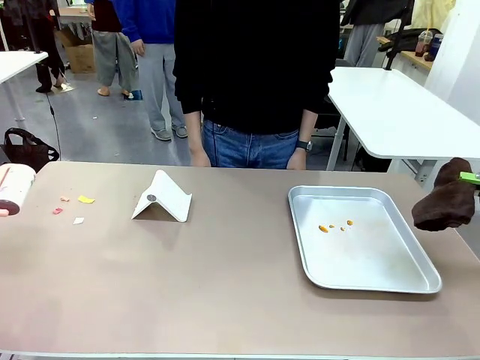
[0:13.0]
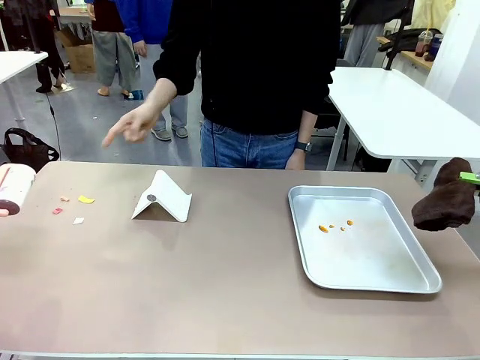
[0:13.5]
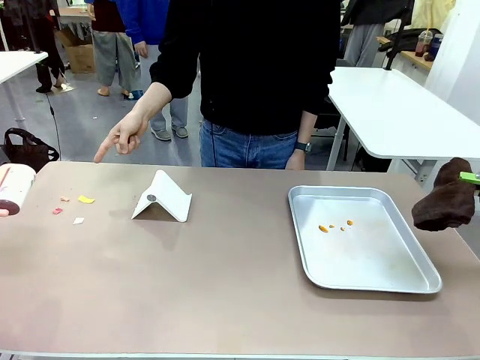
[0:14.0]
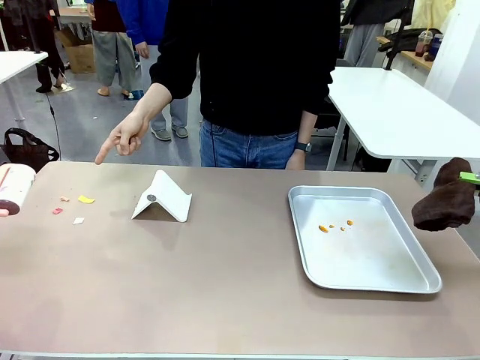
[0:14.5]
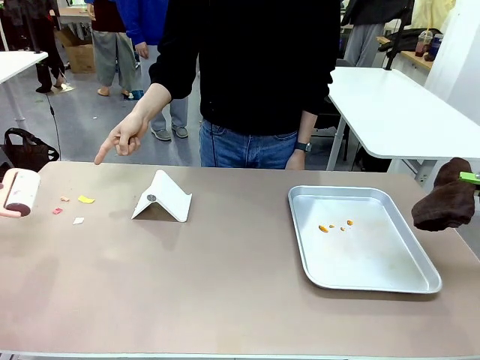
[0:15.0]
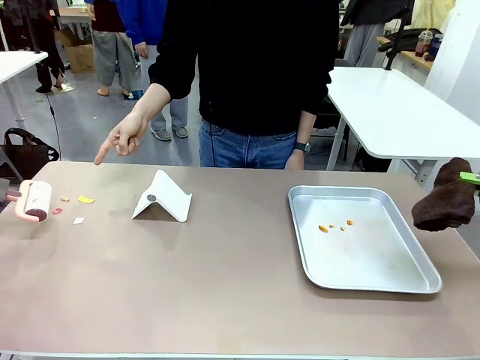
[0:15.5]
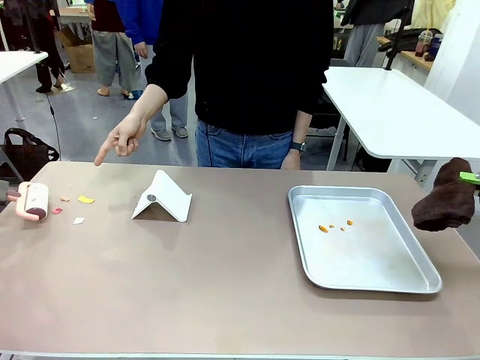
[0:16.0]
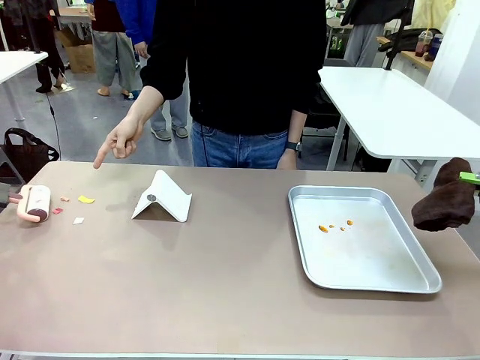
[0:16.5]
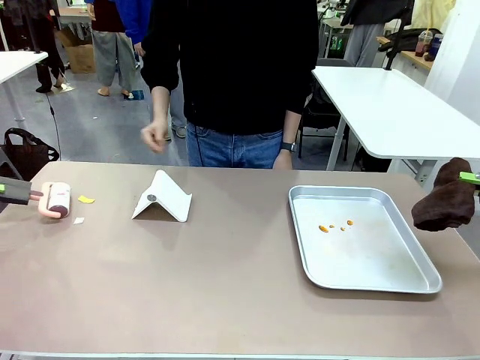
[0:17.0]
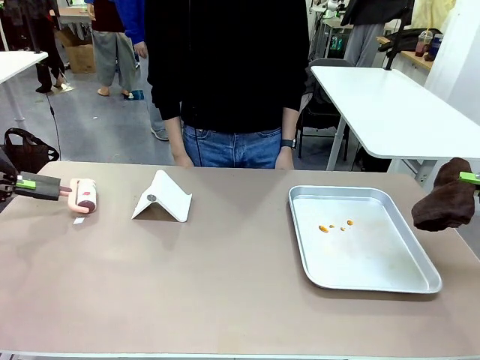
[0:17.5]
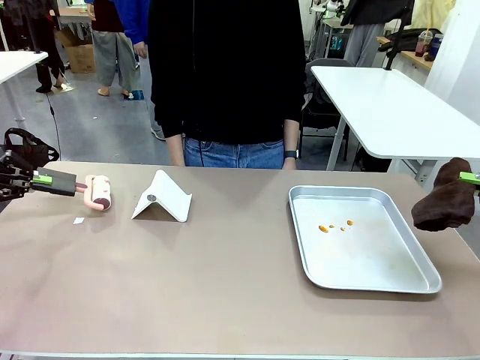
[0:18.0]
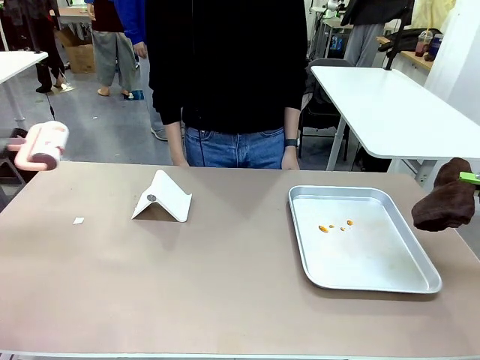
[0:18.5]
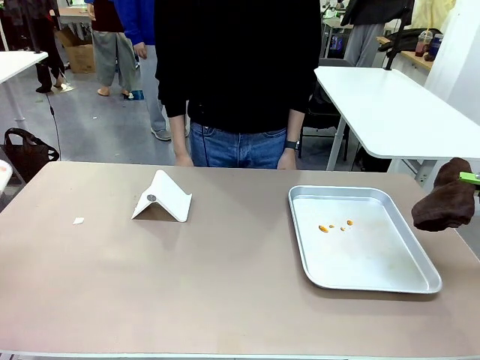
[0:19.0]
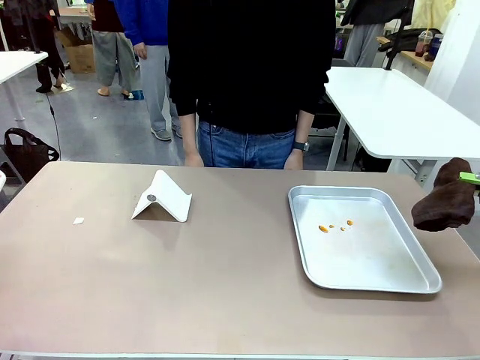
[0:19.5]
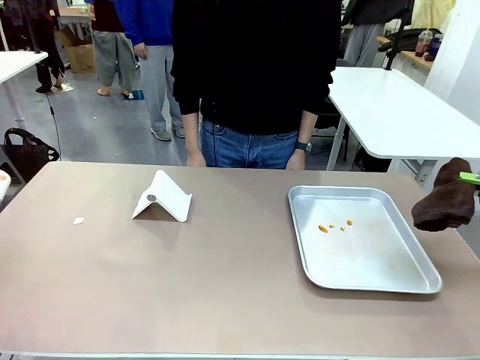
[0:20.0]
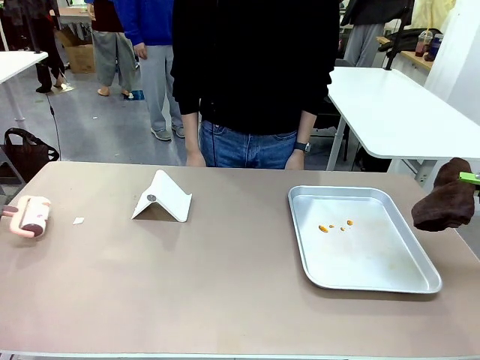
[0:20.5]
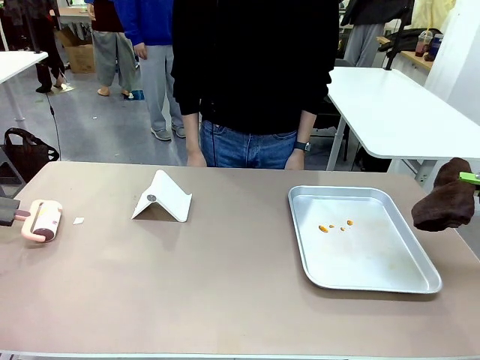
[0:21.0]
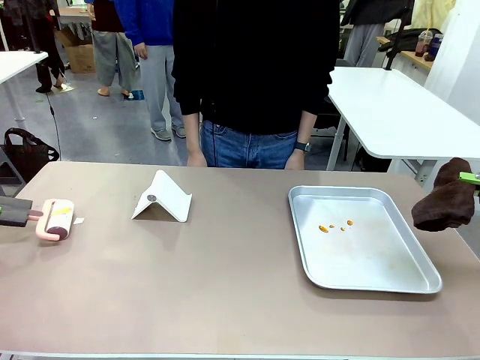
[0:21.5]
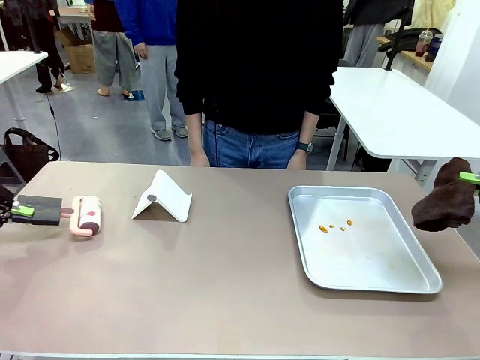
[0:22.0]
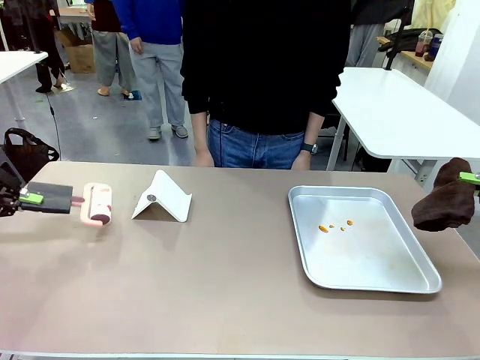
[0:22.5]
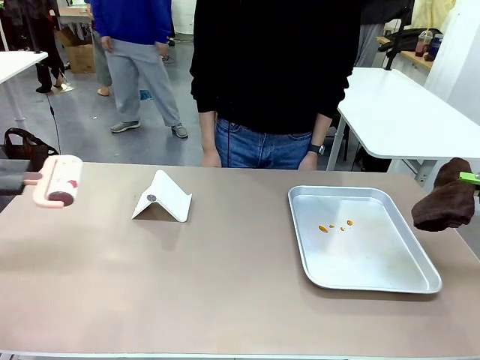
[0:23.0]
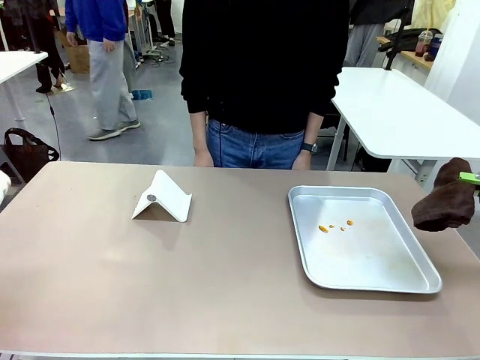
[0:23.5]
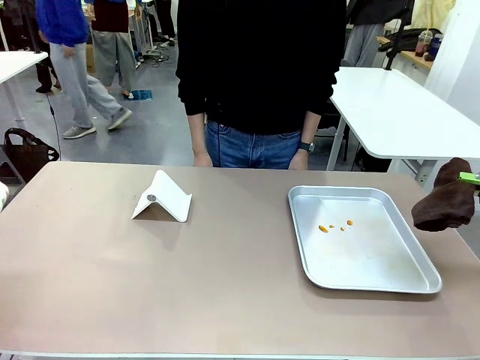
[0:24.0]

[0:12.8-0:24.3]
Task: Clean the surface of the table.
Robot: If a person points to the right, clean the right side of the table with your right hand, and if they point to the left, clean the left side with your left hand.

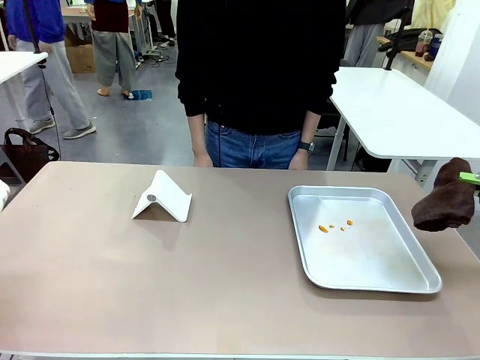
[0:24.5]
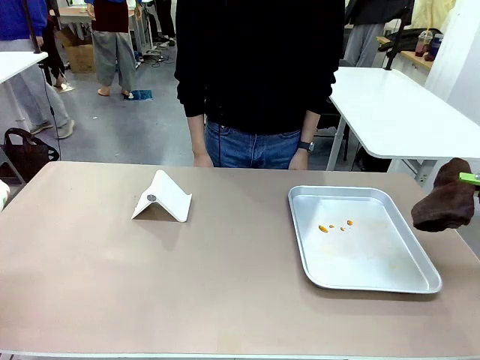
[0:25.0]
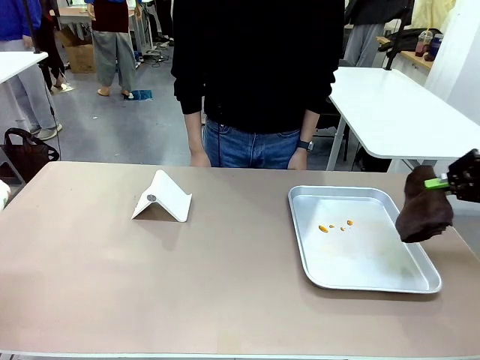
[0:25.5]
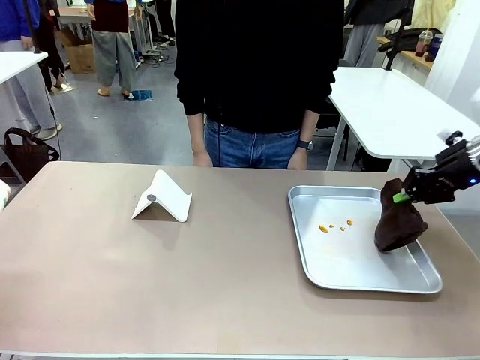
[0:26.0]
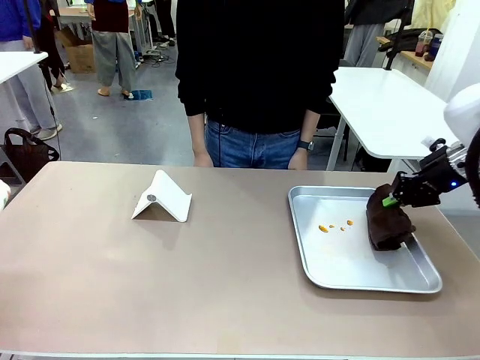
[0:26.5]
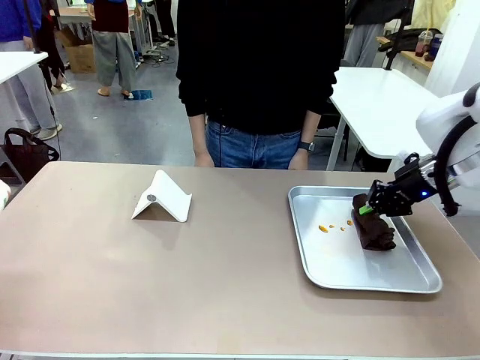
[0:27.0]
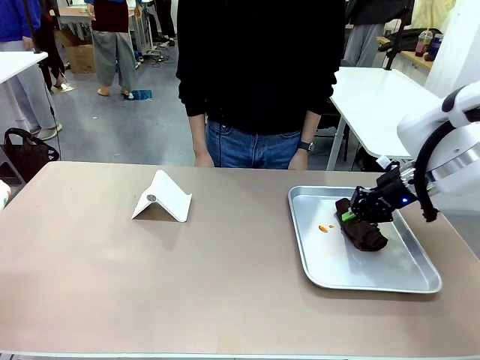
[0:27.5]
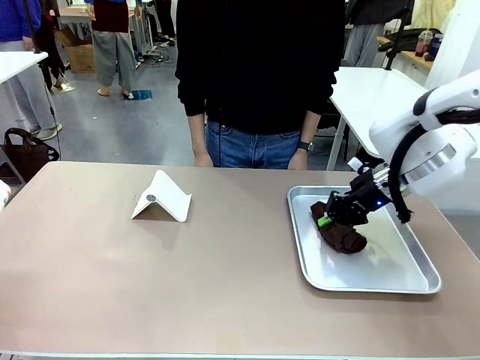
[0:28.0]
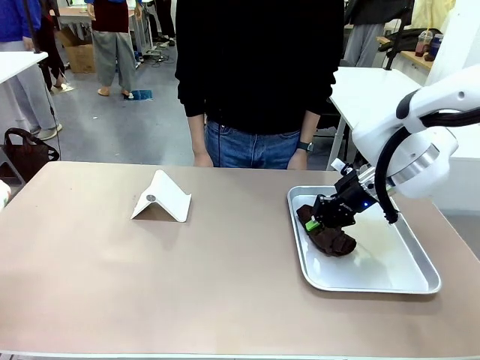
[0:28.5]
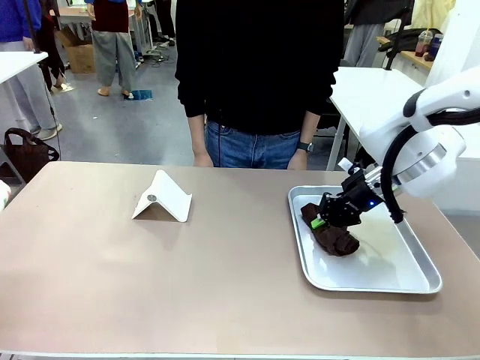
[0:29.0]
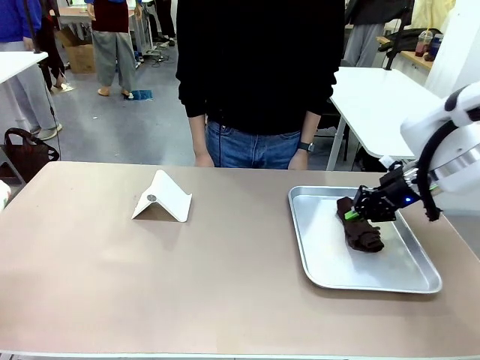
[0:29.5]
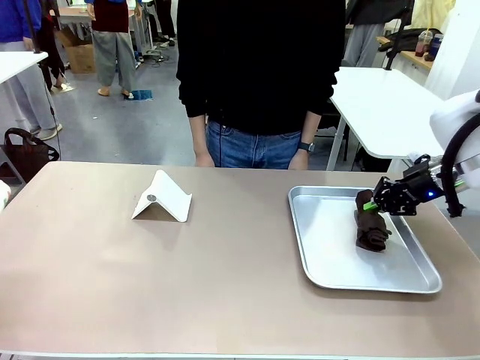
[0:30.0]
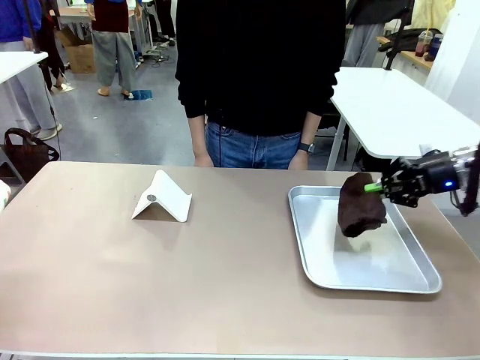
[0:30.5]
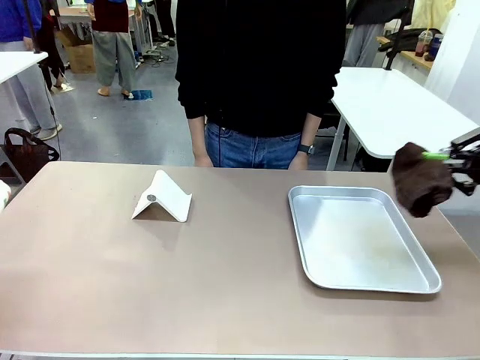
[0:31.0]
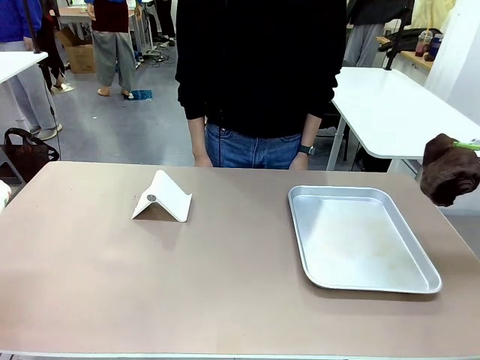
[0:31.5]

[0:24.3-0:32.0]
Robot: Clean the area not pointed to by the person.

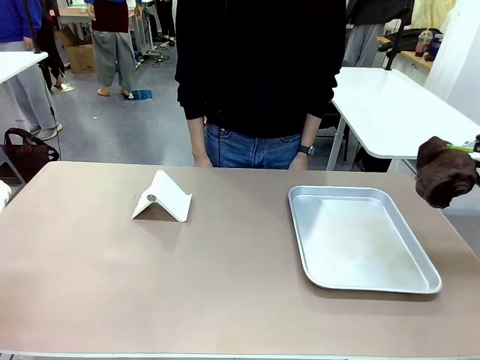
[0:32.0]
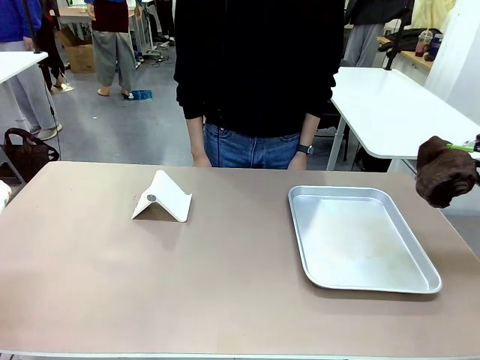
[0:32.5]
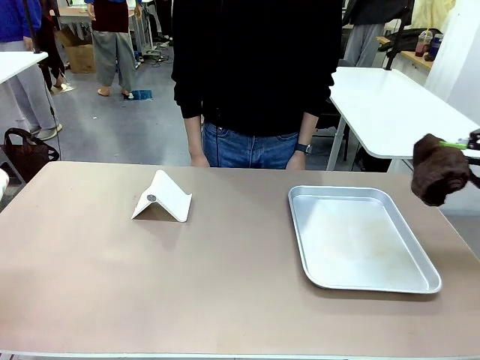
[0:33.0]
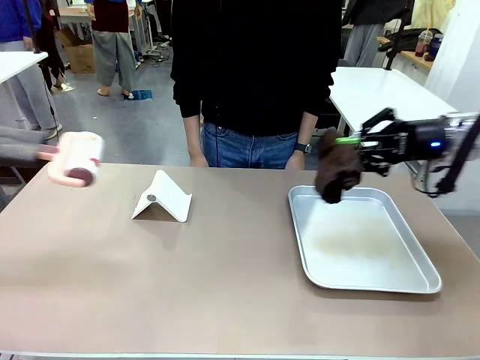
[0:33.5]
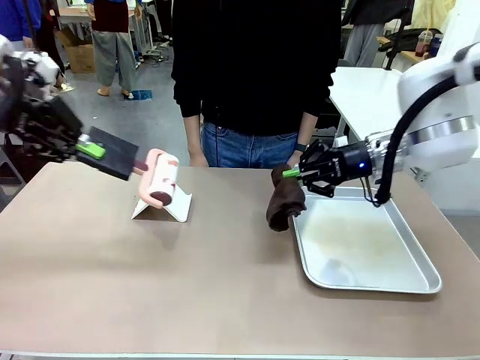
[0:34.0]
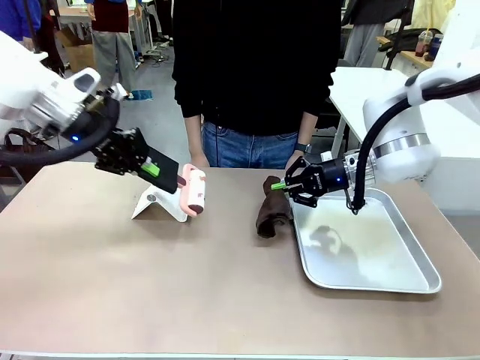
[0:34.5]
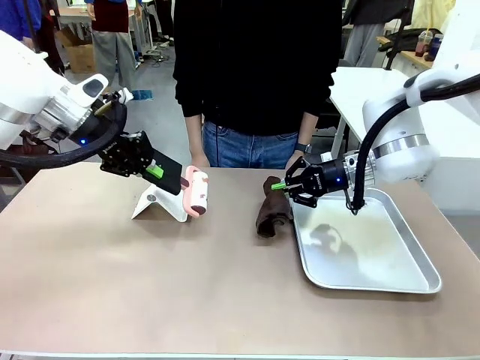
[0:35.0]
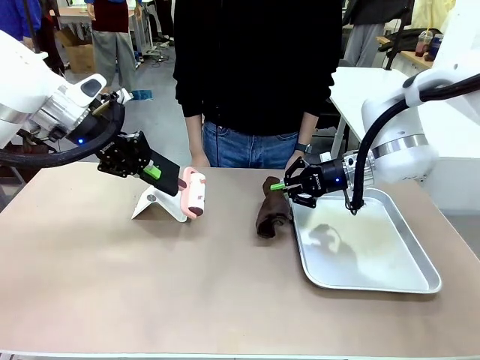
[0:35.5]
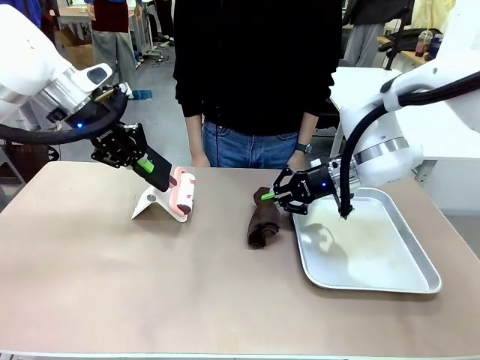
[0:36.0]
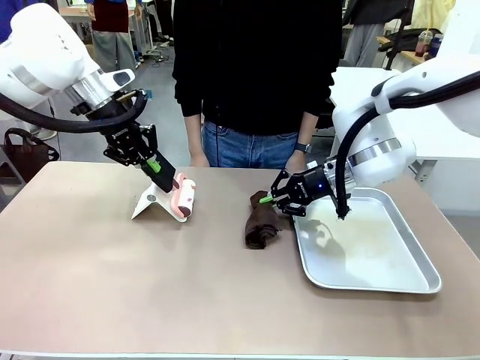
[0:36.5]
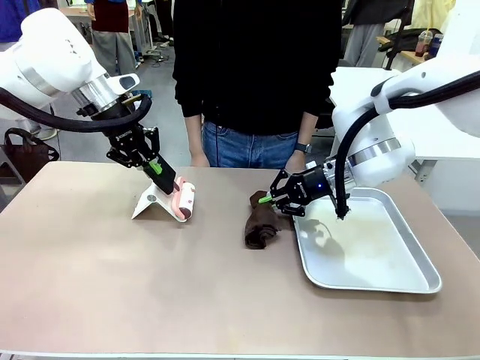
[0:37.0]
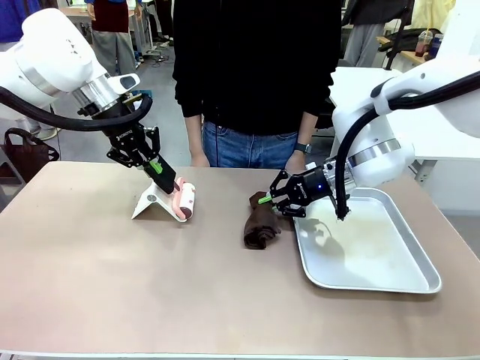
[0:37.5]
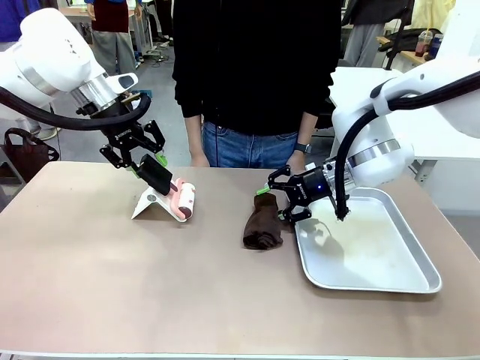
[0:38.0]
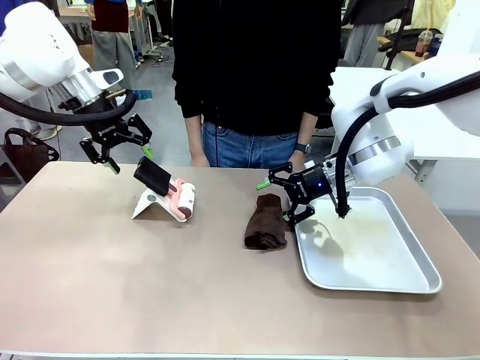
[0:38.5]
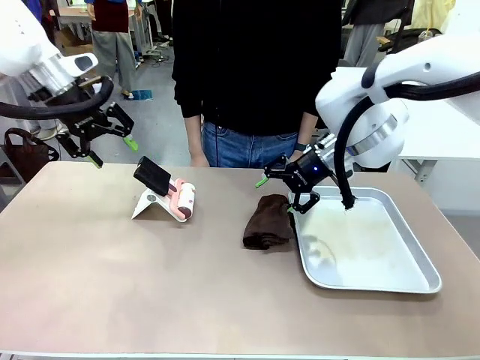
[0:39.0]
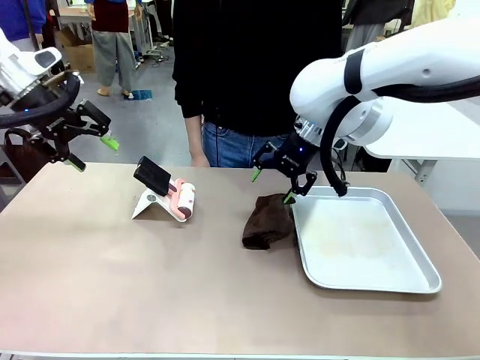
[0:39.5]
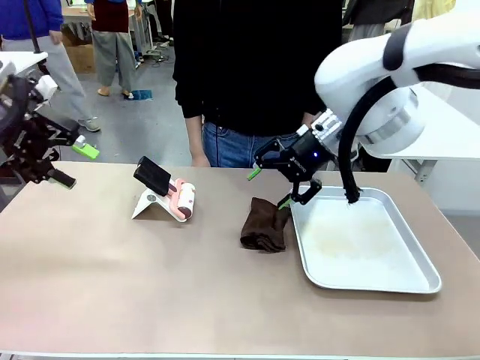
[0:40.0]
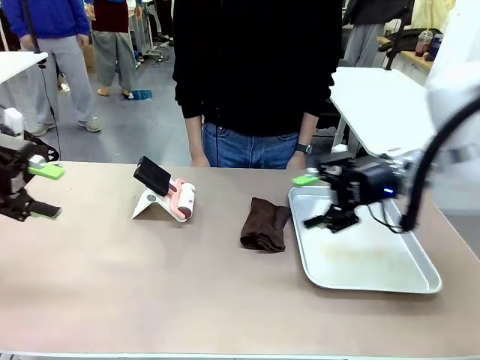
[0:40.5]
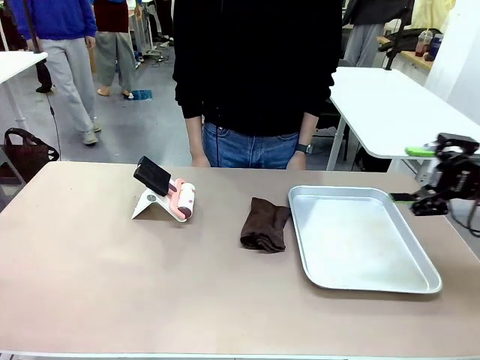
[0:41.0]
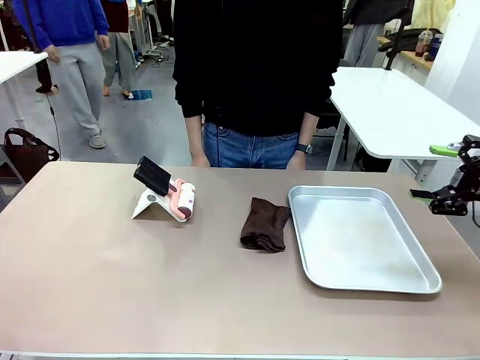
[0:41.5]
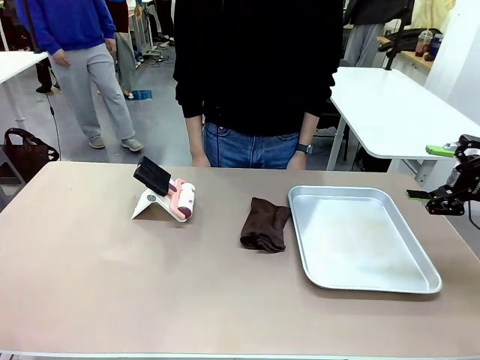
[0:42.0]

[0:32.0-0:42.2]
Robot: Return the Lint Roller and towel to their original positions.
